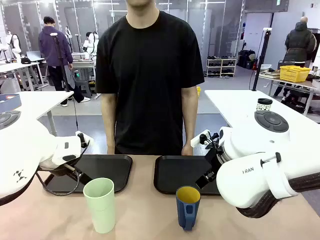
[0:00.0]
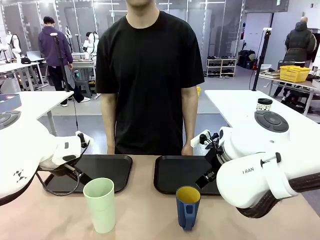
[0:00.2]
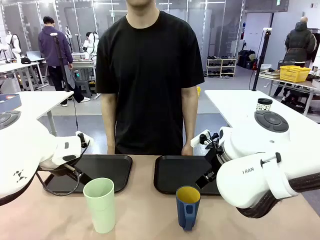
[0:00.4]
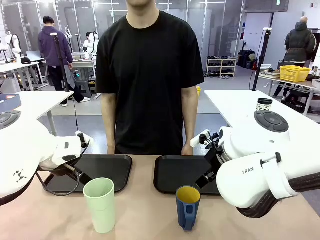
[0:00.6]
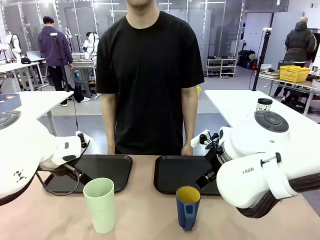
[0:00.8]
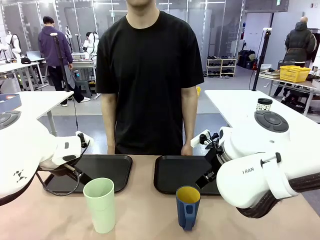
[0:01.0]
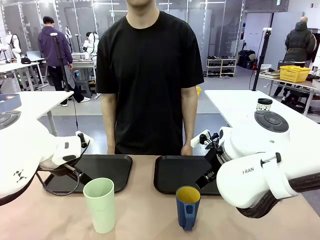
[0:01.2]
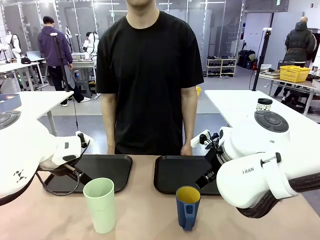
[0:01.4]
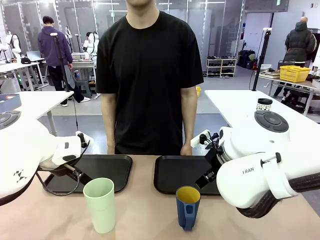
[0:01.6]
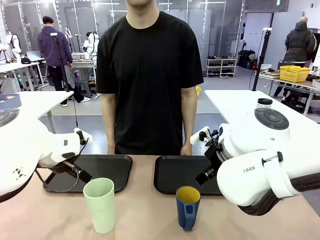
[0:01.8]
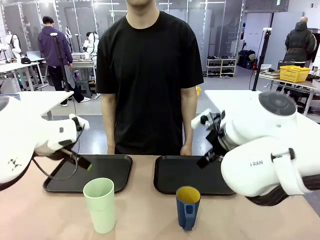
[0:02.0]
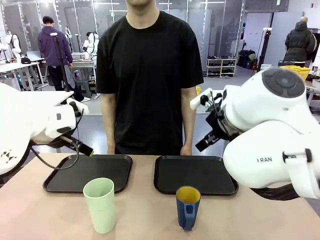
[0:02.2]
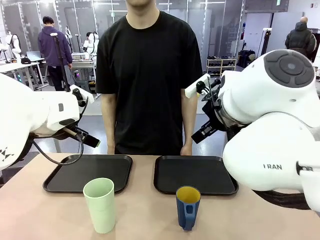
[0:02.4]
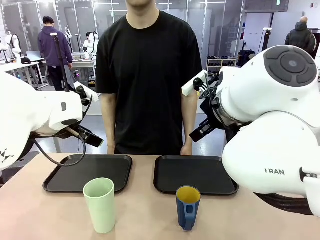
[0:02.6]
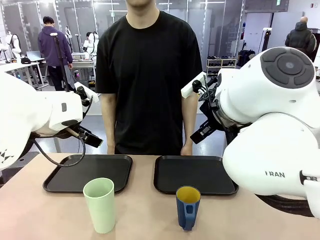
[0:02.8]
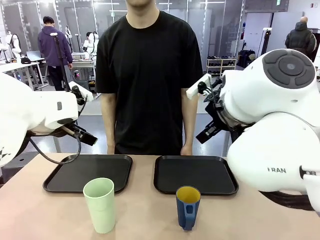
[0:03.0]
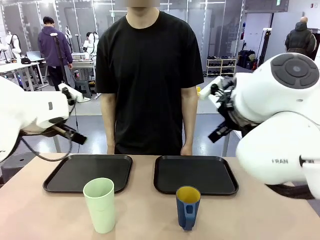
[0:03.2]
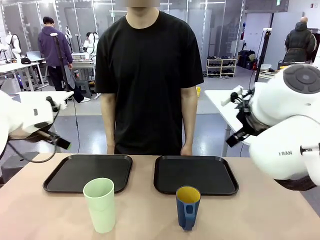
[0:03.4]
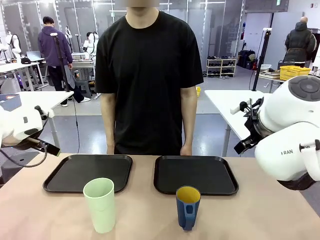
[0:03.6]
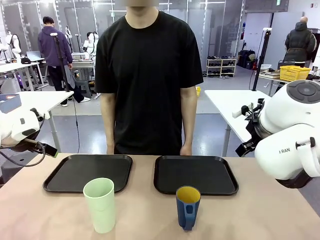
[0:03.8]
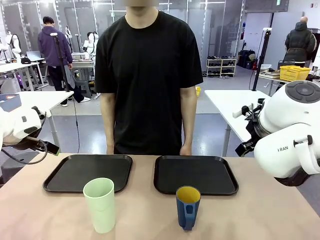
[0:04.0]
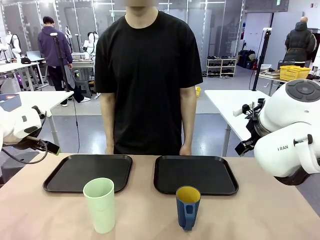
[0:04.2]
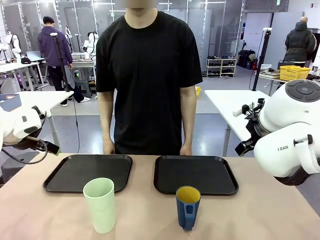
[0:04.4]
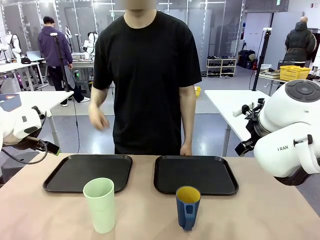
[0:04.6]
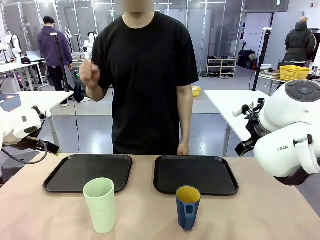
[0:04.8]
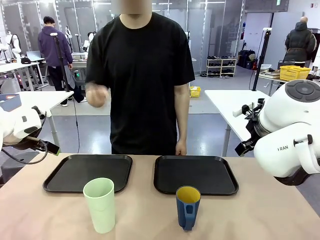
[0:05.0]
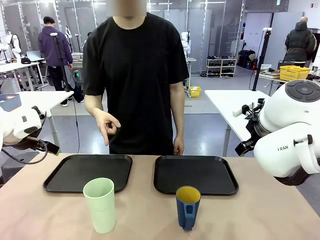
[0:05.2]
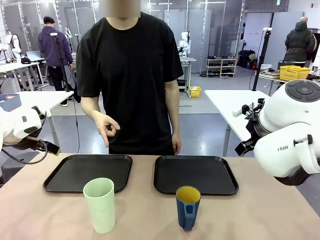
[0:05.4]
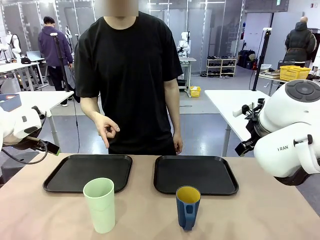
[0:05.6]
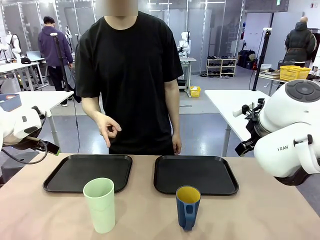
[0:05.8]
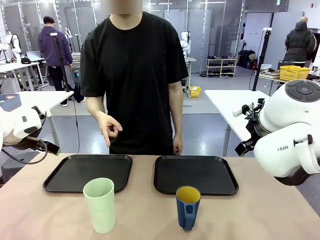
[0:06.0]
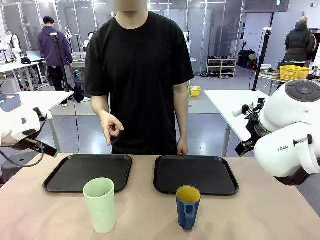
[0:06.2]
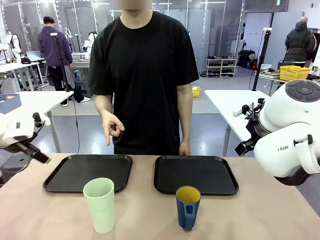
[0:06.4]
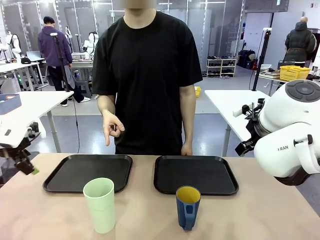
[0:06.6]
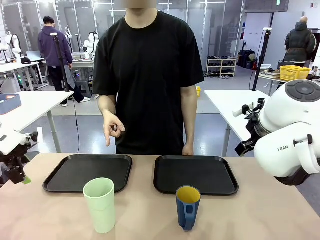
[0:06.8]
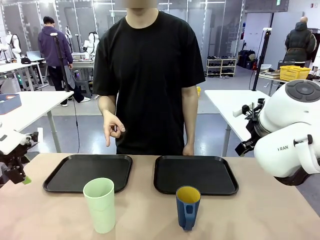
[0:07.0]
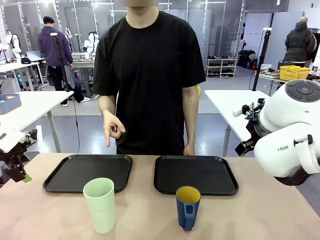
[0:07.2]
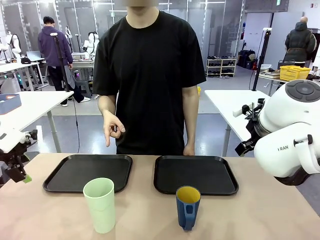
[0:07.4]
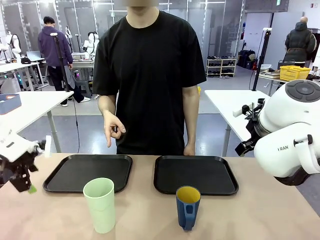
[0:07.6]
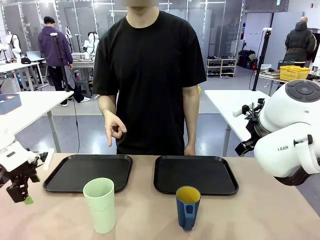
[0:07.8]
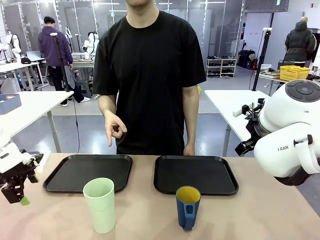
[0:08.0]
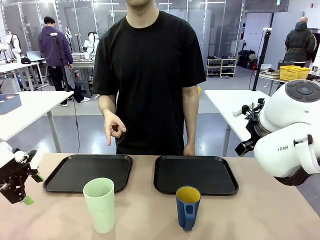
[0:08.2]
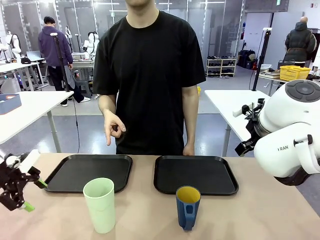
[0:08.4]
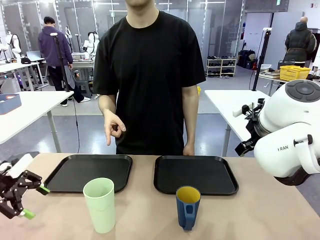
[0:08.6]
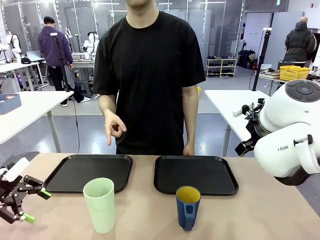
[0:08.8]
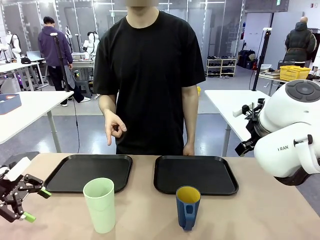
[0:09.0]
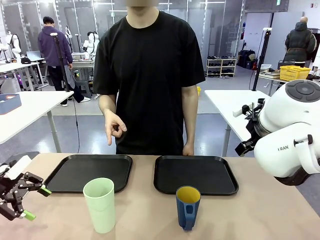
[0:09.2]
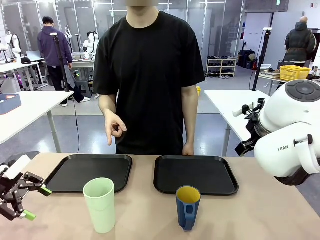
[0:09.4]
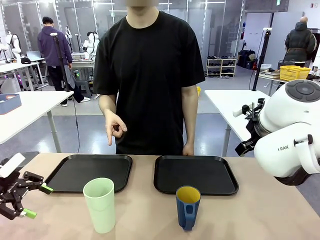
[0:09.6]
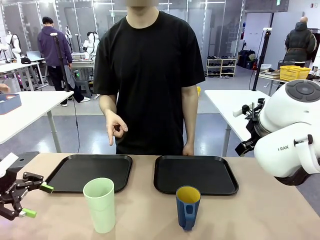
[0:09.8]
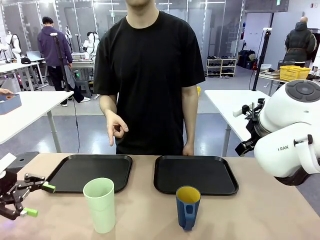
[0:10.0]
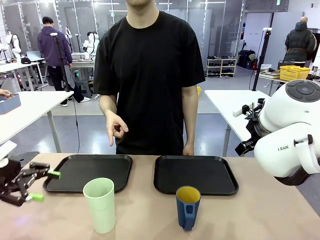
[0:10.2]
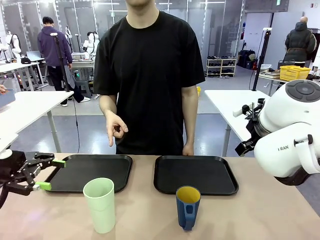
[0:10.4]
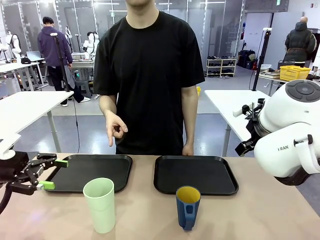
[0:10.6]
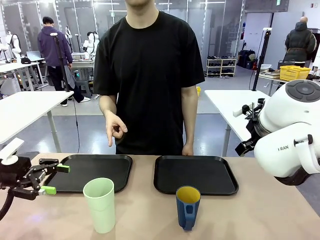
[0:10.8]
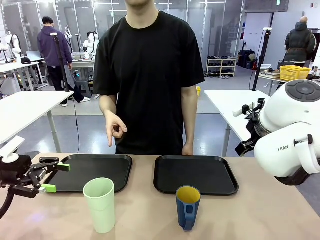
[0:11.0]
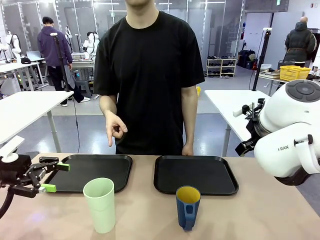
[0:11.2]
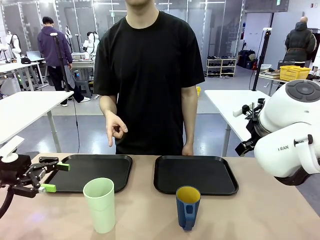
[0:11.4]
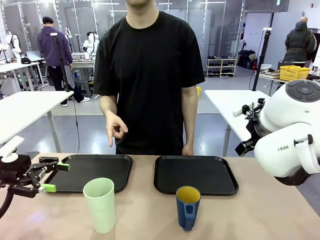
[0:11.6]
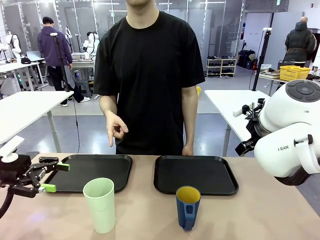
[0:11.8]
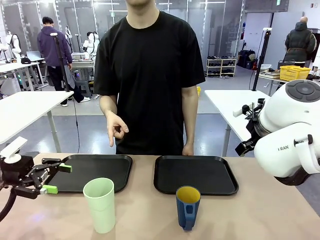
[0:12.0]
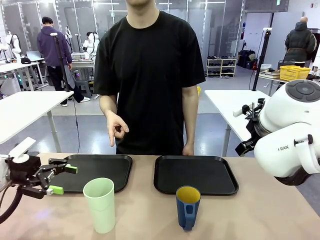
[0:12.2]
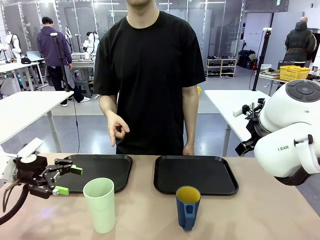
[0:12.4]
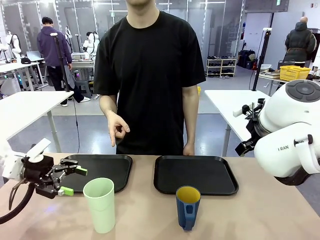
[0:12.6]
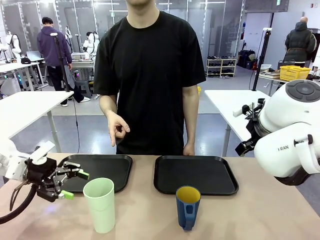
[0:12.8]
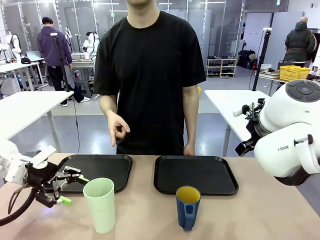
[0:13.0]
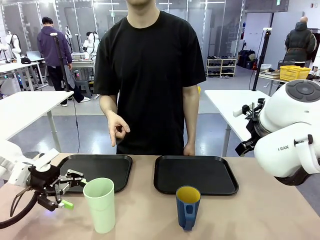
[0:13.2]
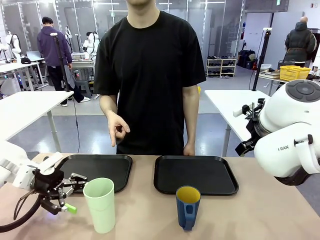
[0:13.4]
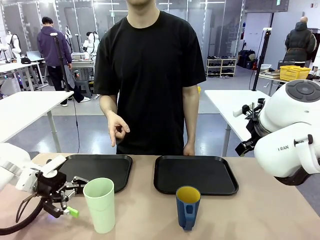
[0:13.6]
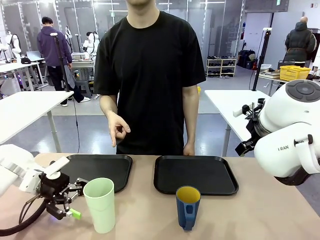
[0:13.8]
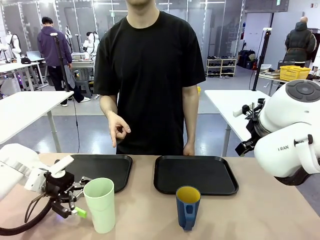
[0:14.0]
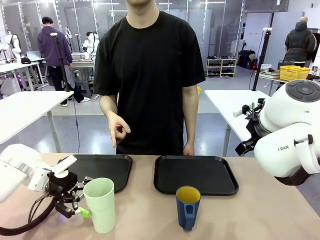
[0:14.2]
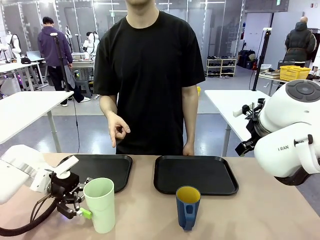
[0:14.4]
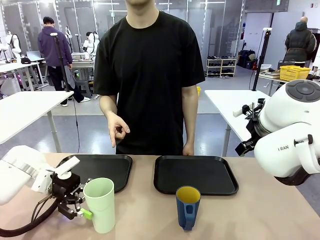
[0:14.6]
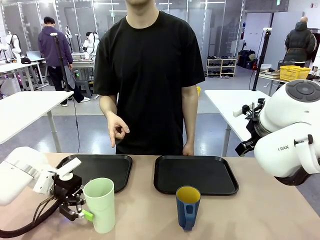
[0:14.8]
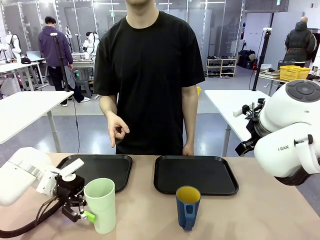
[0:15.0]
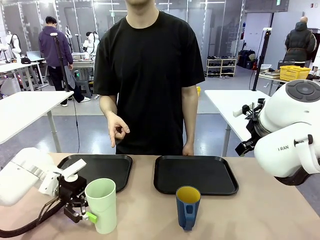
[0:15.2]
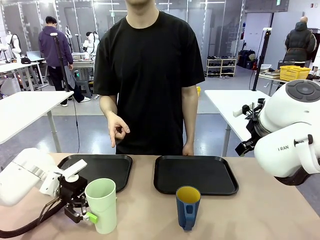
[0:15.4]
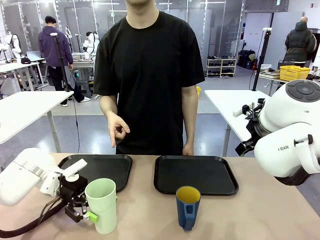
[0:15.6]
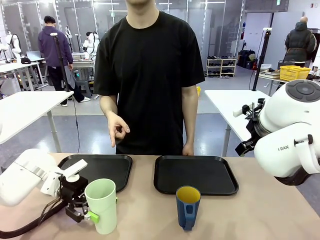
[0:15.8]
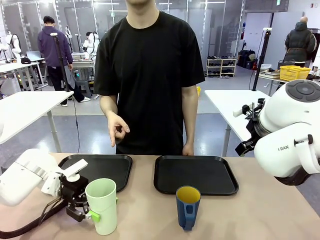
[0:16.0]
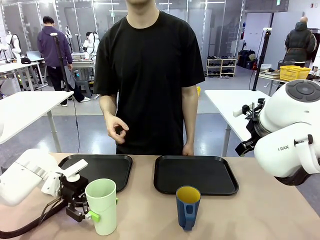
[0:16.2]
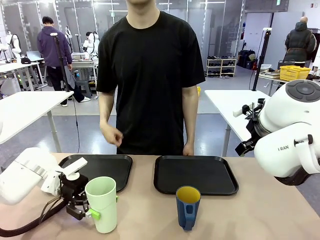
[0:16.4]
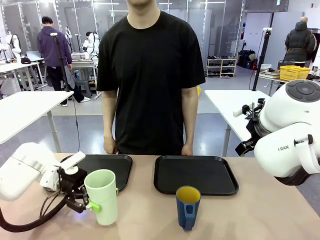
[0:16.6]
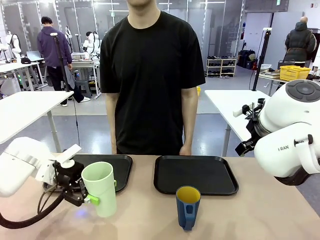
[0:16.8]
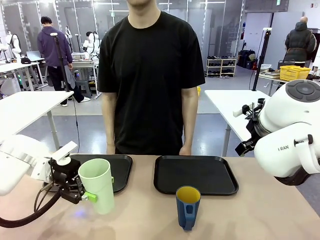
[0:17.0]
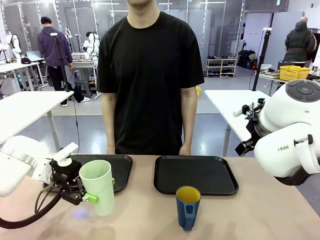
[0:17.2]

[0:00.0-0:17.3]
Task: Sort and store the cups by type.
Robot: Pick up the Reusable plastic cup.
Person: Points to the reusable cup. Point to one of the two trays.
